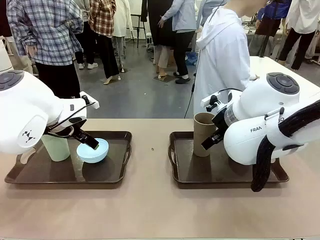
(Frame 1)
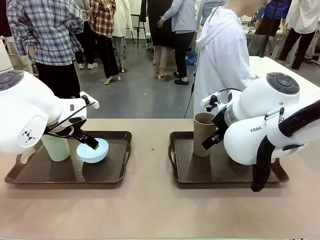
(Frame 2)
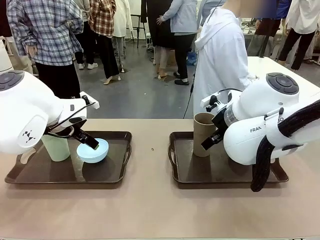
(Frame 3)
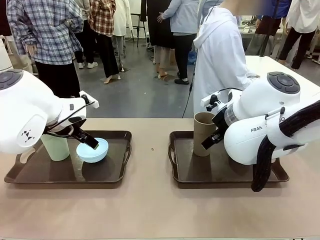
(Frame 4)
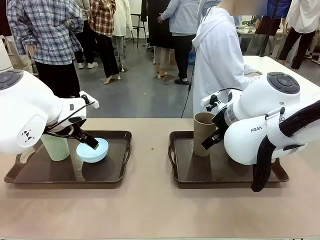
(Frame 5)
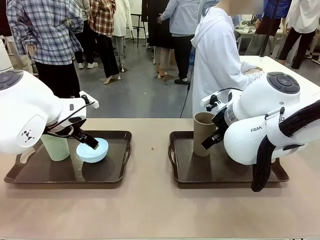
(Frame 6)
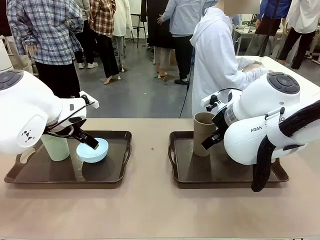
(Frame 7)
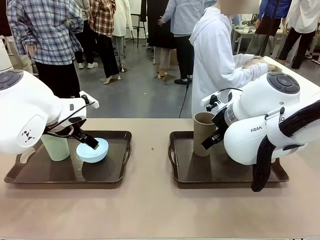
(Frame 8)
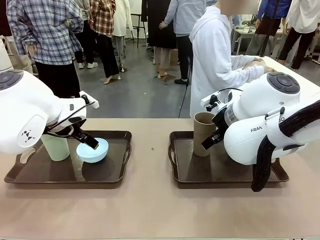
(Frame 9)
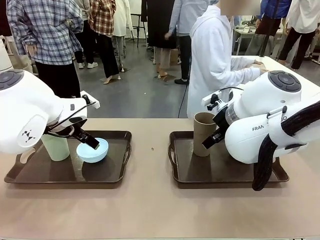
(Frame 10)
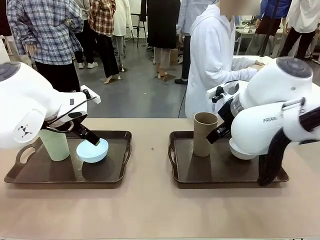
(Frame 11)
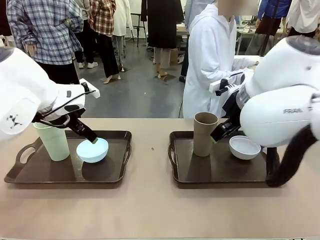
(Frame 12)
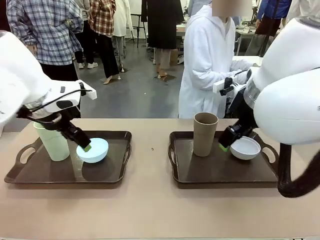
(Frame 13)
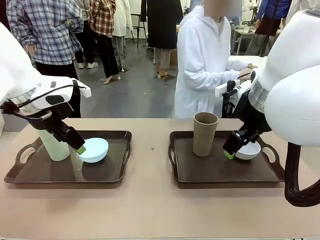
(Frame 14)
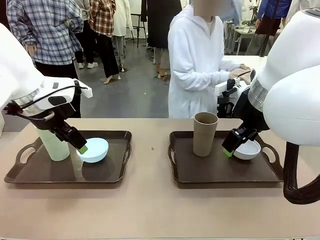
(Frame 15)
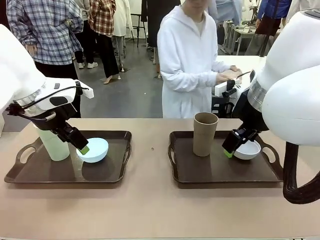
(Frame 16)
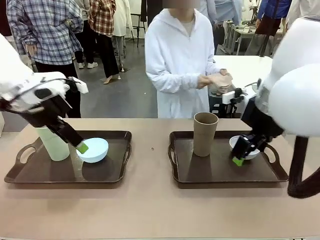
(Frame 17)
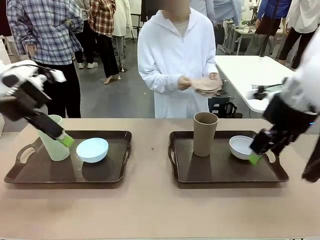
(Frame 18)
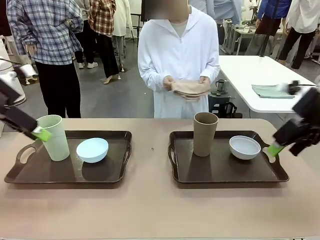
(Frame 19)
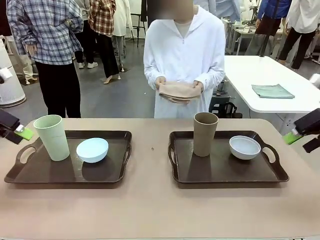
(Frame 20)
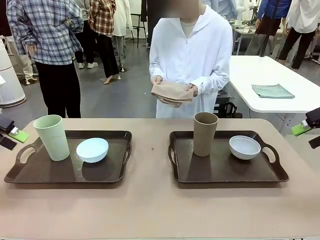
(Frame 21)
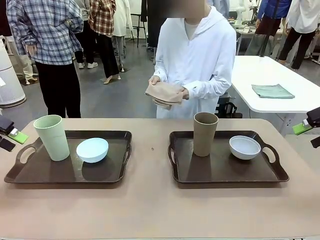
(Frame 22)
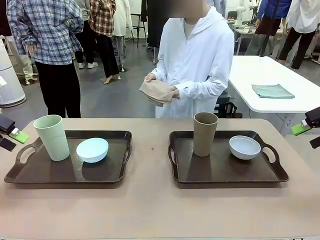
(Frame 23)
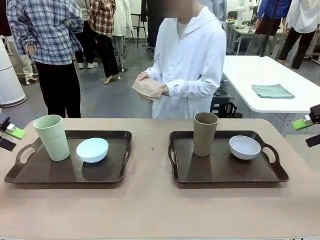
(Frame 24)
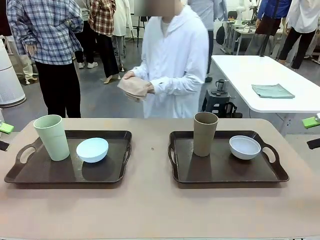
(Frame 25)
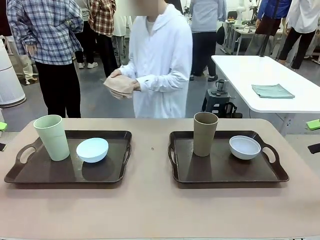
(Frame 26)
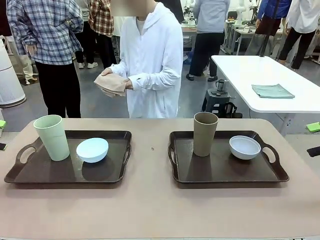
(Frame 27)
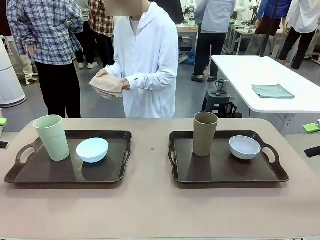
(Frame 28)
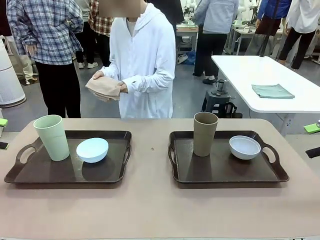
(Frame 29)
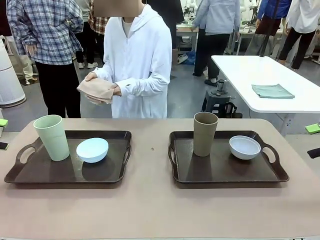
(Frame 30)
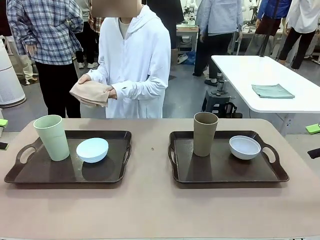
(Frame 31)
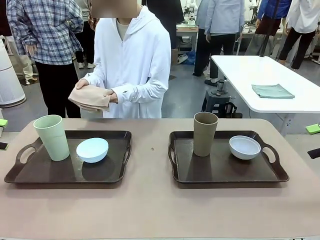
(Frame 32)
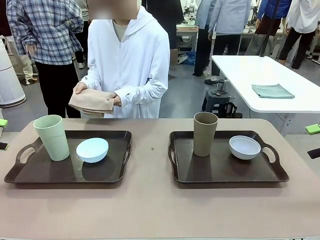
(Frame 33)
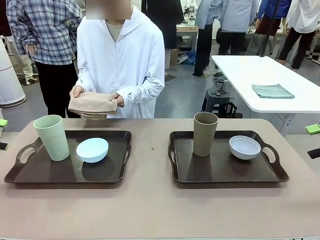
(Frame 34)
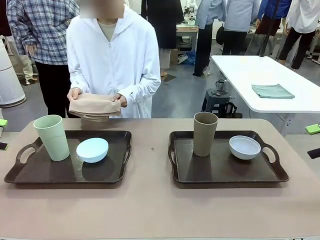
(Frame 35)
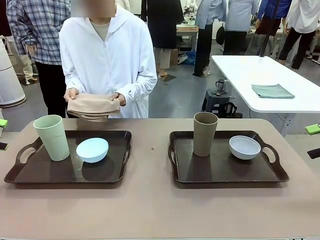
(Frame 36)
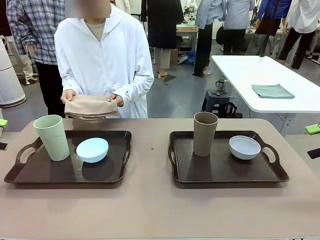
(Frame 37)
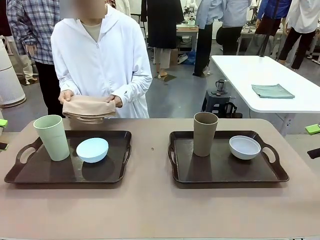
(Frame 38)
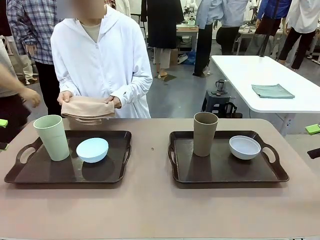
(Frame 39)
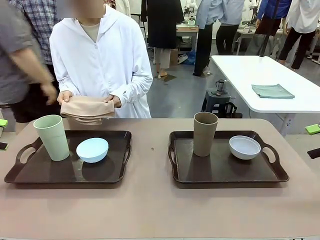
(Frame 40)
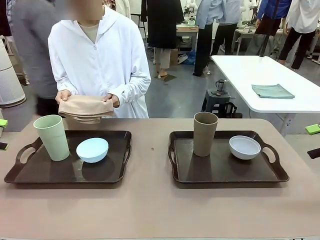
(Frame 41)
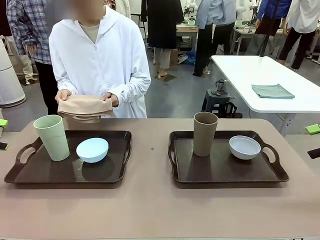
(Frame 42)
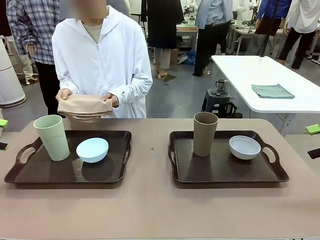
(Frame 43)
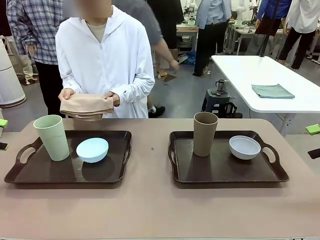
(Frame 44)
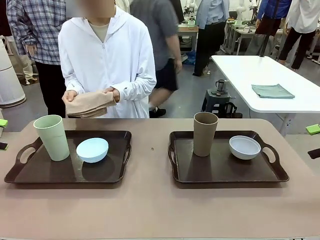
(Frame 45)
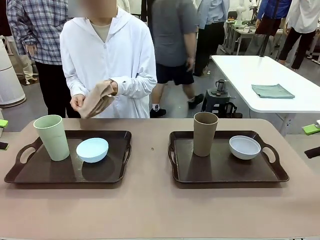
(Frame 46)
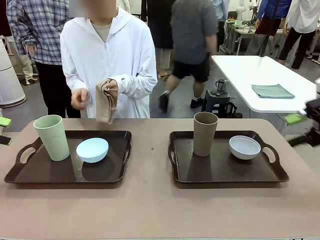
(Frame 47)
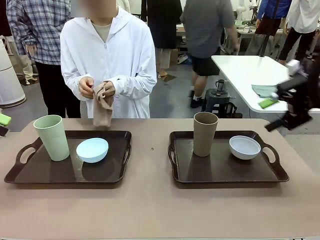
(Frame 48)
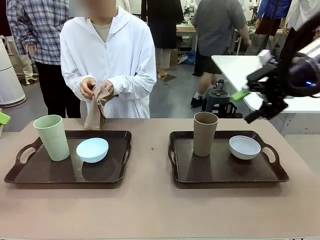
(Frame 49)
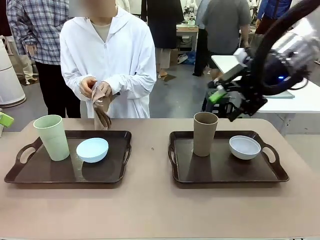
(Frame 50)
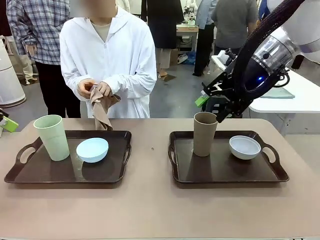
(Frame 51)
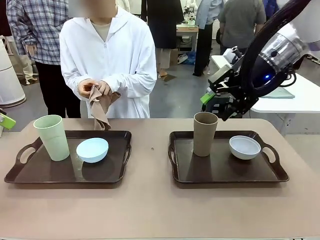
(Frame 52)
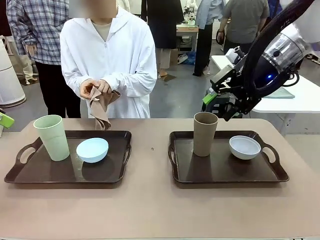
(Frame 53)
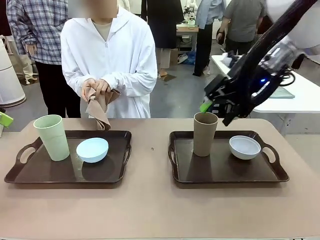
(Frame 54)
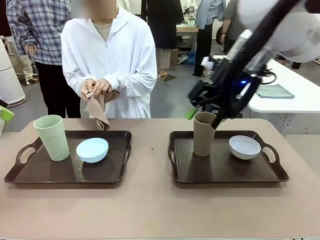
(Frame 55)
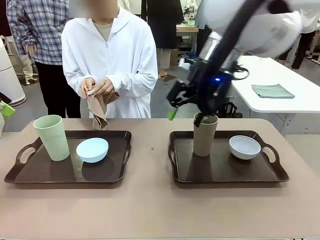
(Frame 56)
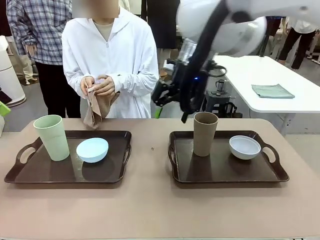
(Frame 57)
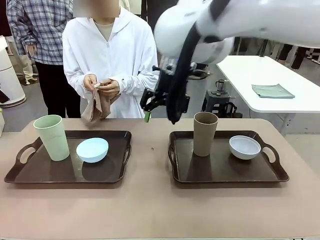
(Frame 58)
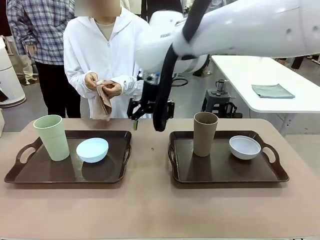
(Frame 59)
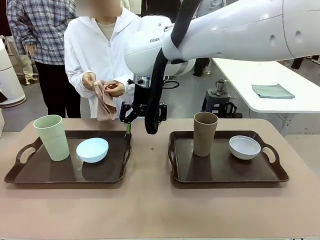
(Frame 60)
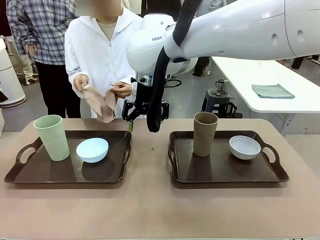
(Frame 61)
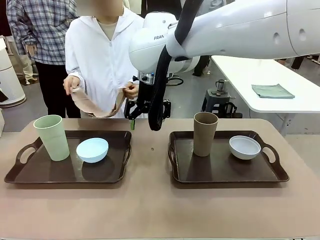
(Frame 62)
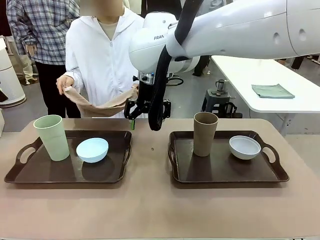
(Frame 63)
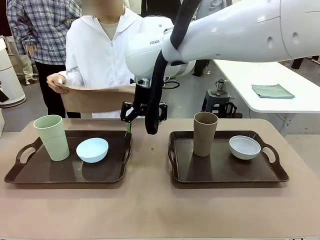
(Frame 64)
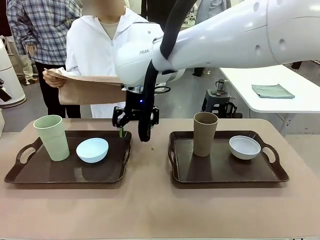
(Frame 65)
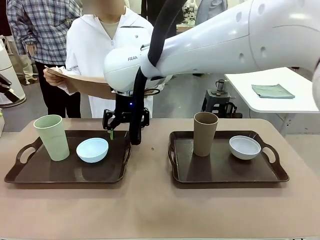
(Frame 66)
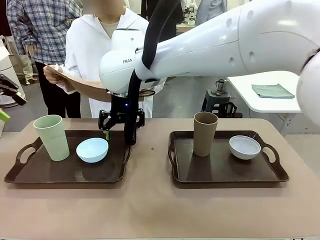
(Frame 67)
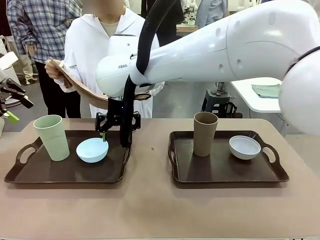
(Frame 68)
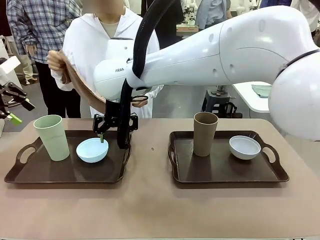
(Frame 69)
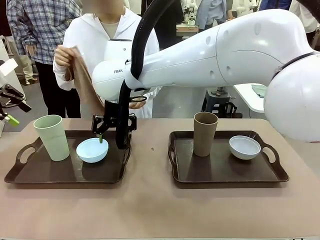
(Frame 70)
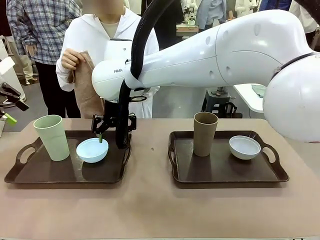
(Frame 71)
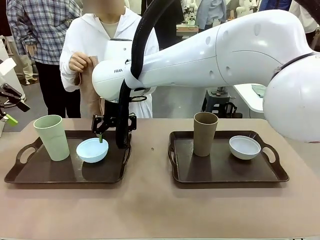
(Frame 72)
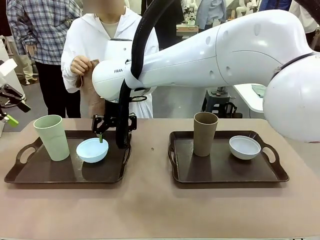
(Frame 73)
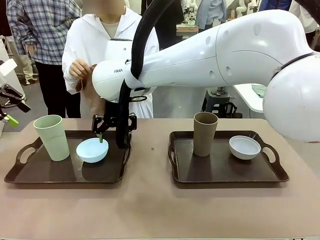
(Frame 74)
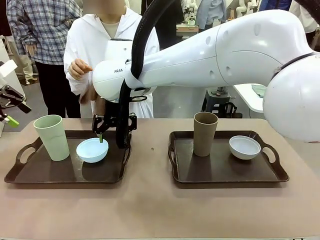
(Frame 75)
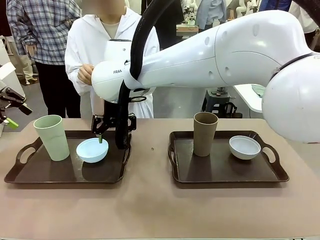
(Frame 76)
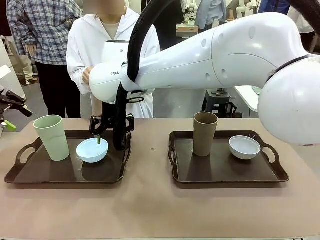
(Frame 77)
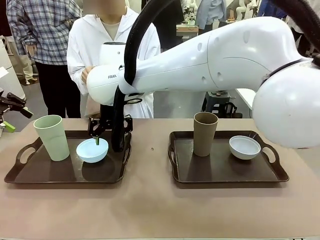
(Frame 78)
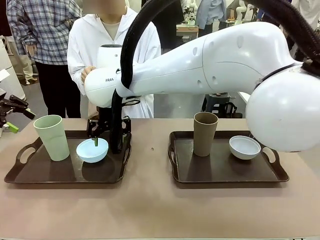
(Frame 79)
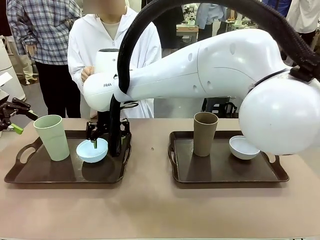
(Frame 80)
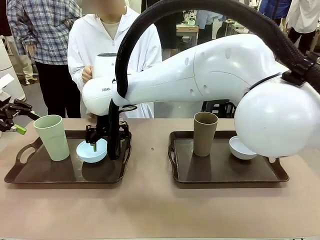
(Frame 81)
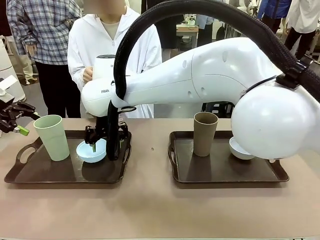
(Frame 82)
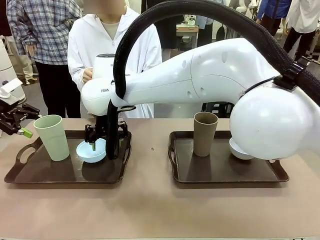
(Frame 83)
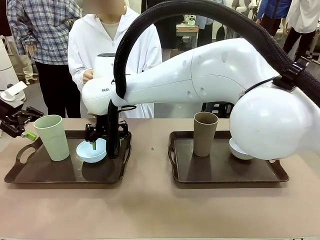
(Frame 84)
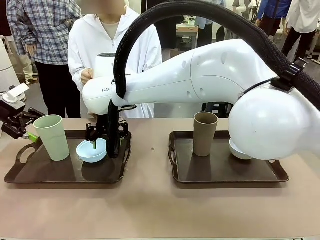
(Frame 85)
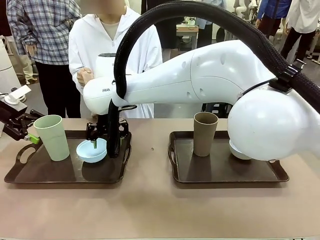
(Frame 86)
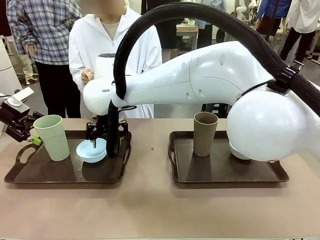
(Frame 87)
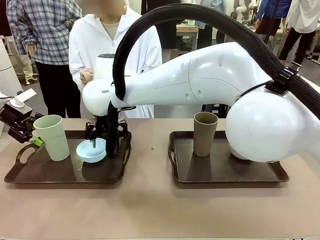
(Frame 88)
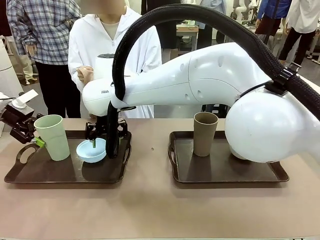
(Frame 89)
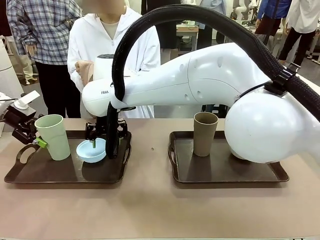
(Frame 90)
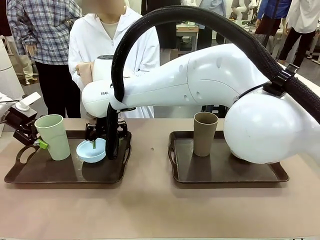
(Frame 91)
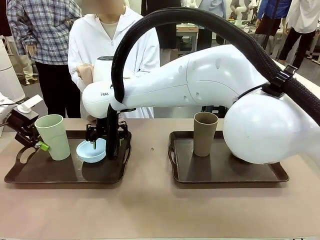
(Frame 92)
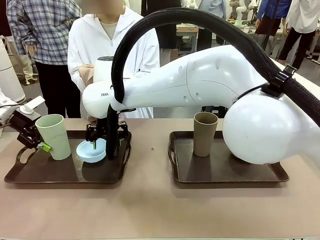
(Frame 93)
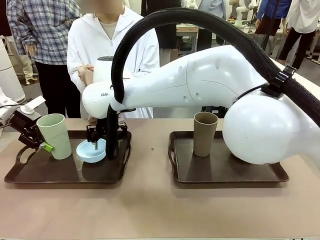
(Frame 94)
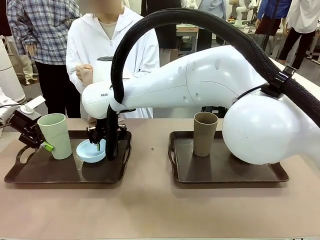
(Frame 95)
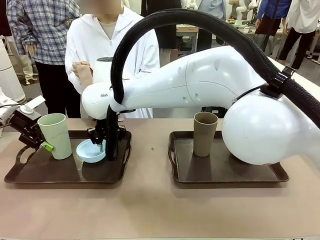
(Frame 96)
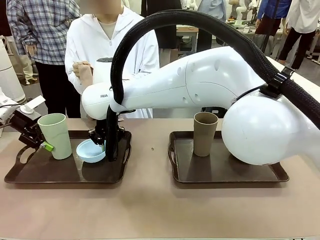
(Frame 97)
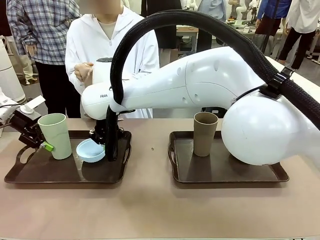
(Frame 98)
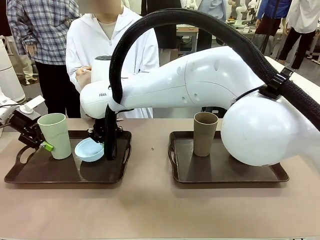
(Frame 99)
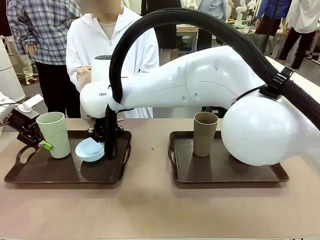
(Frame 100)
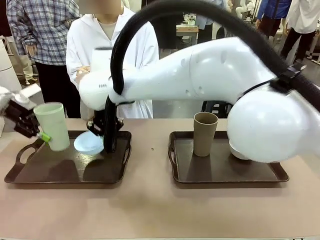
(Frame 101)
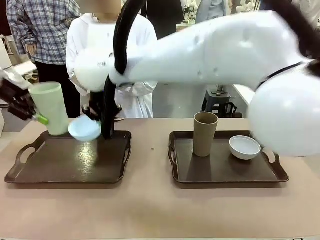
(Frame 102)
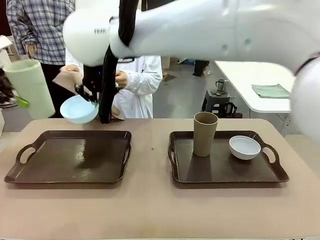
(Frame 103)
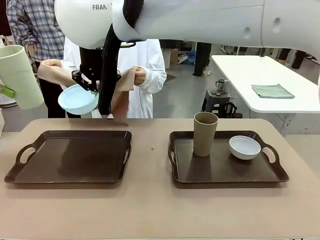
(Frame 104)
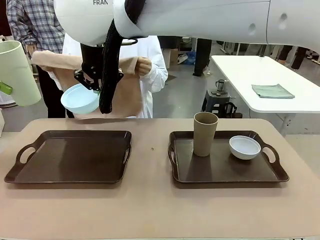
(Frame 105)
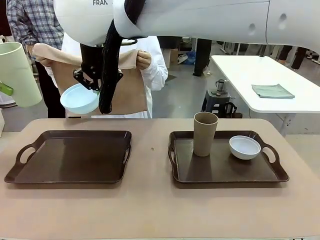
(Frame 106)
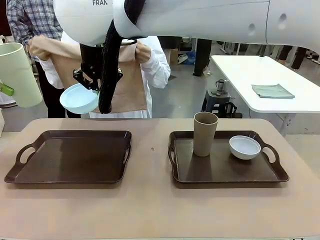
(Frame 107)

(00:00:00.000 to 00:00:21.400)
Robot: Pick up the Picnic Bowl and Reusable plastic cup from the Handle tray in front of the human's position and hold them in the air.
Person: The human picks up the top napkin from the stack on the human table and walks to the robot table to stand in front of one of the two trays. When the robot lifts the bowl and the cup, the human unfolds the napkin and lays the napkin flat on the tray.
